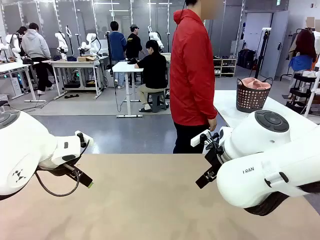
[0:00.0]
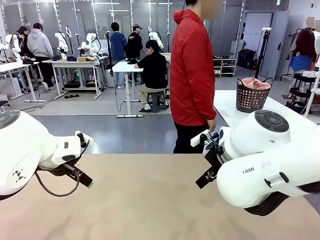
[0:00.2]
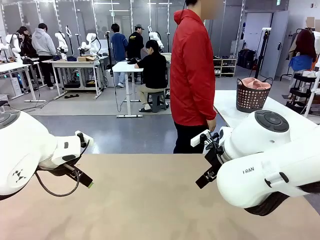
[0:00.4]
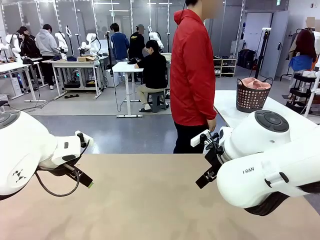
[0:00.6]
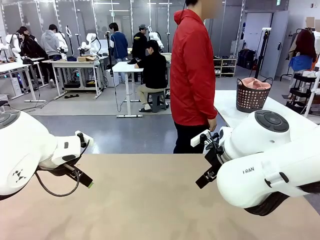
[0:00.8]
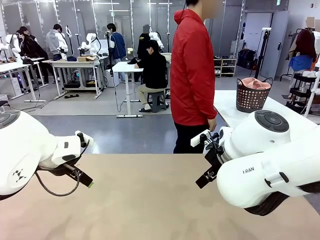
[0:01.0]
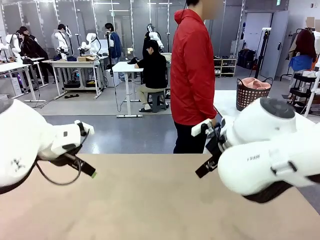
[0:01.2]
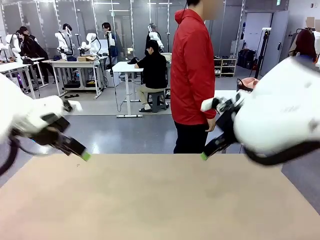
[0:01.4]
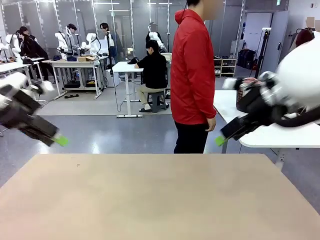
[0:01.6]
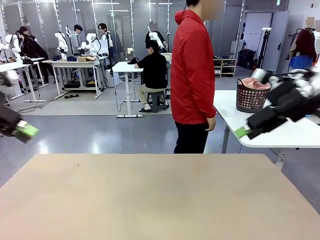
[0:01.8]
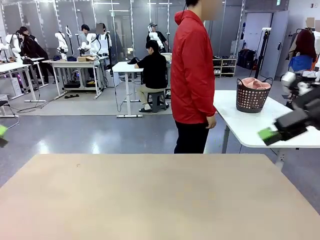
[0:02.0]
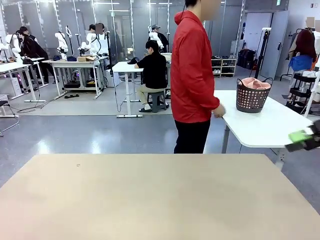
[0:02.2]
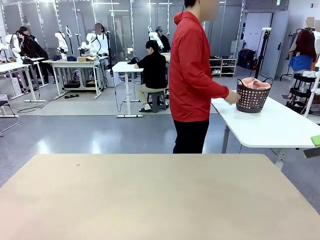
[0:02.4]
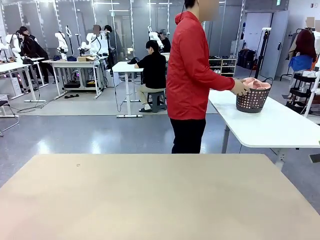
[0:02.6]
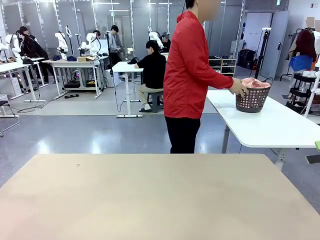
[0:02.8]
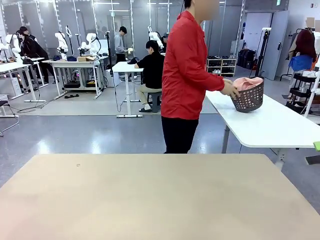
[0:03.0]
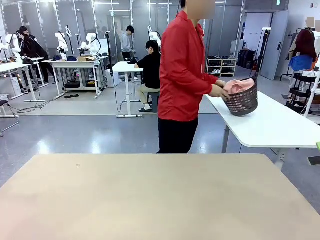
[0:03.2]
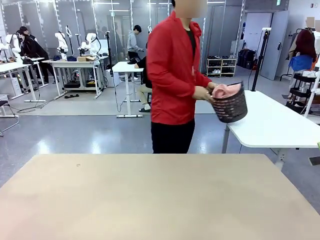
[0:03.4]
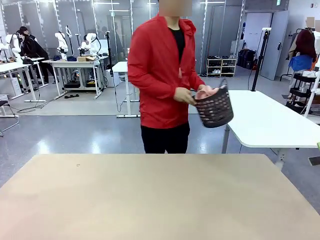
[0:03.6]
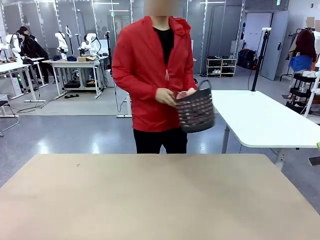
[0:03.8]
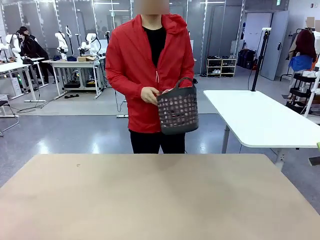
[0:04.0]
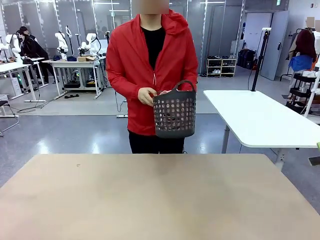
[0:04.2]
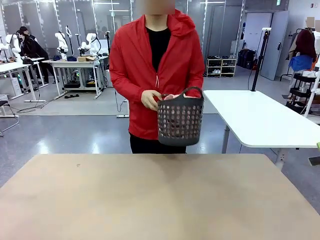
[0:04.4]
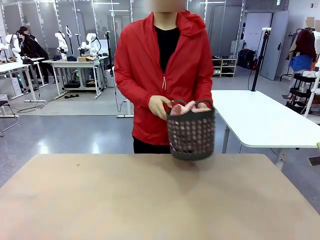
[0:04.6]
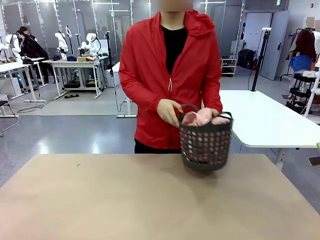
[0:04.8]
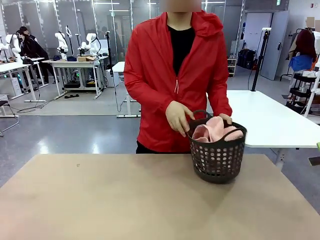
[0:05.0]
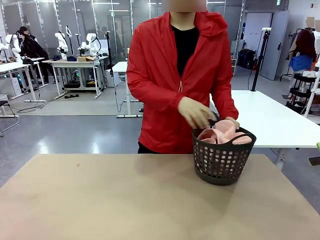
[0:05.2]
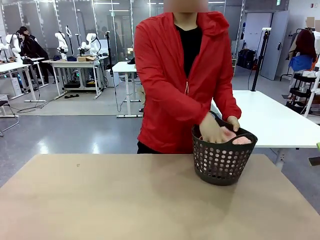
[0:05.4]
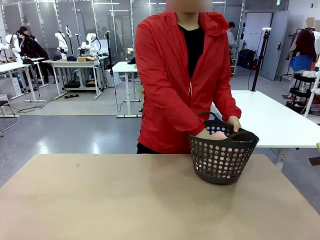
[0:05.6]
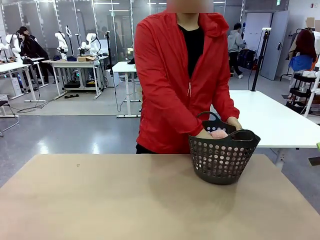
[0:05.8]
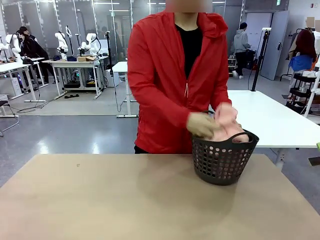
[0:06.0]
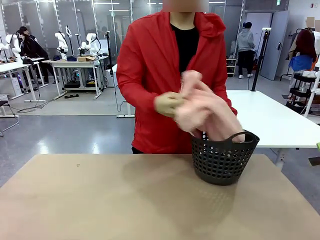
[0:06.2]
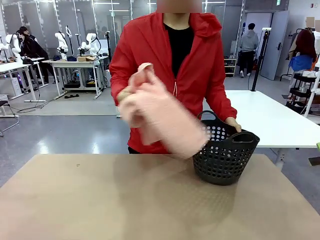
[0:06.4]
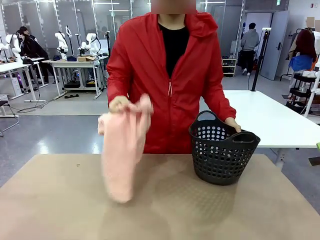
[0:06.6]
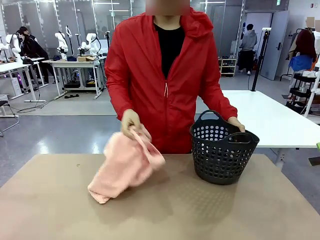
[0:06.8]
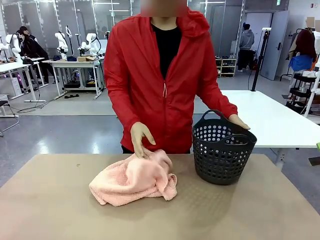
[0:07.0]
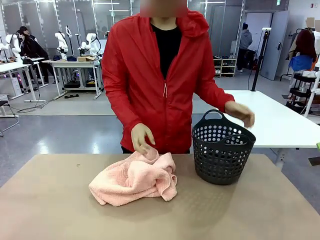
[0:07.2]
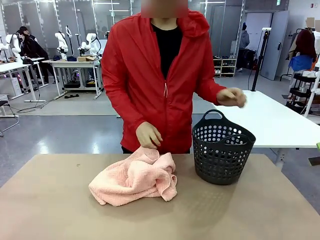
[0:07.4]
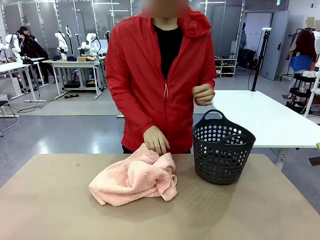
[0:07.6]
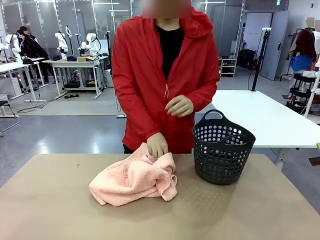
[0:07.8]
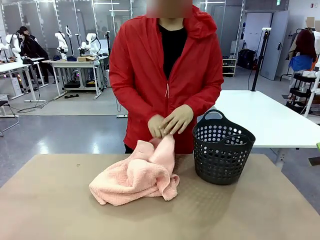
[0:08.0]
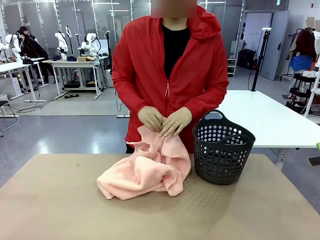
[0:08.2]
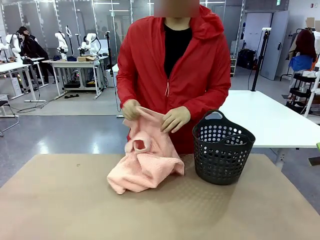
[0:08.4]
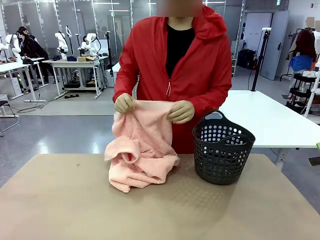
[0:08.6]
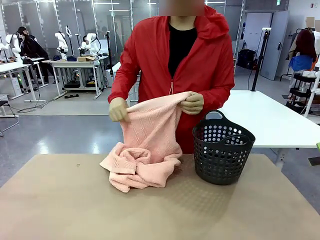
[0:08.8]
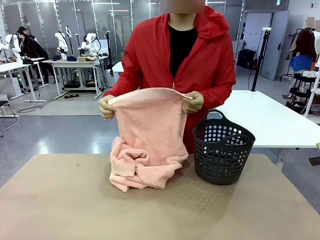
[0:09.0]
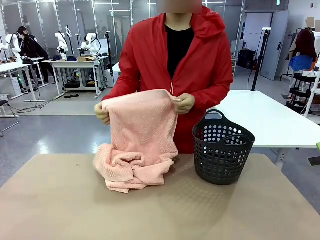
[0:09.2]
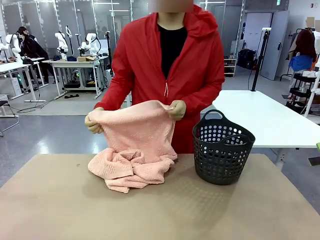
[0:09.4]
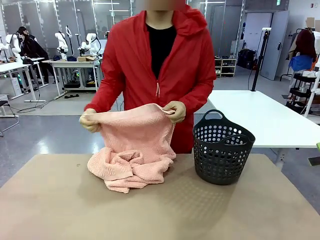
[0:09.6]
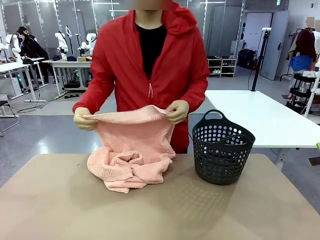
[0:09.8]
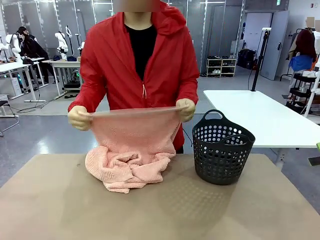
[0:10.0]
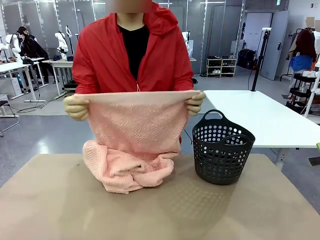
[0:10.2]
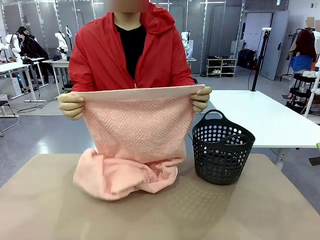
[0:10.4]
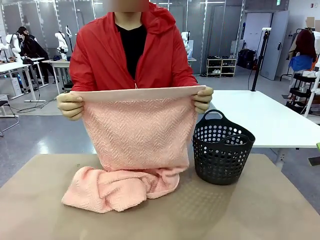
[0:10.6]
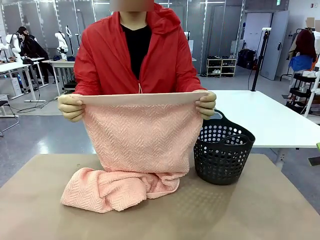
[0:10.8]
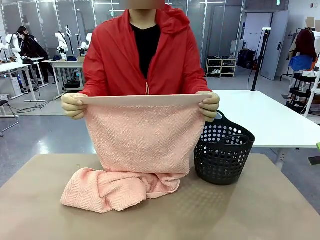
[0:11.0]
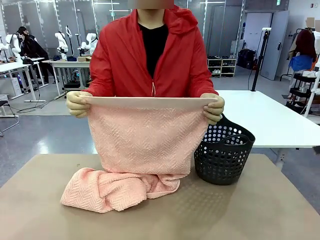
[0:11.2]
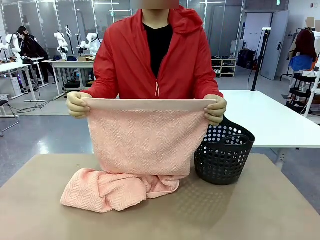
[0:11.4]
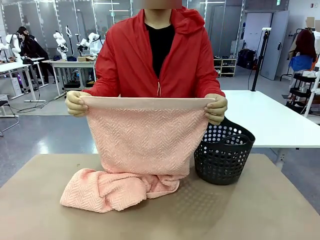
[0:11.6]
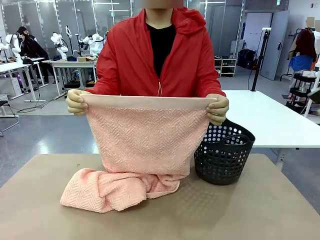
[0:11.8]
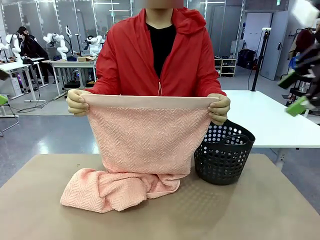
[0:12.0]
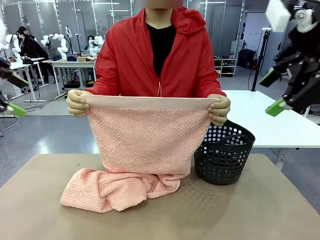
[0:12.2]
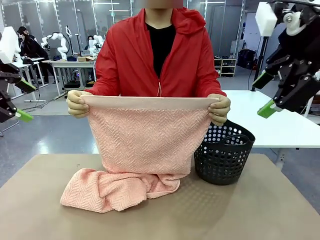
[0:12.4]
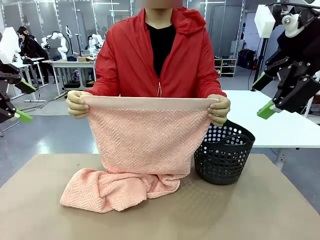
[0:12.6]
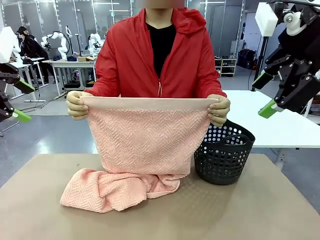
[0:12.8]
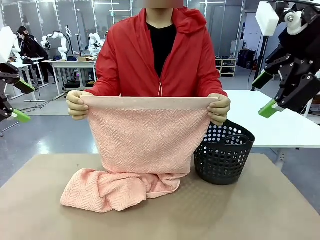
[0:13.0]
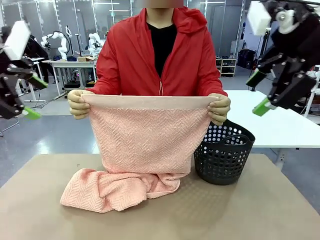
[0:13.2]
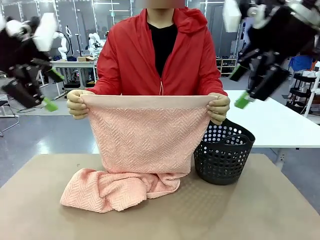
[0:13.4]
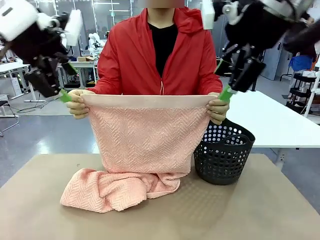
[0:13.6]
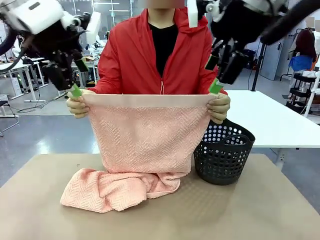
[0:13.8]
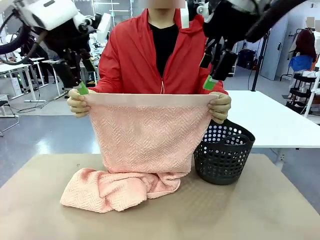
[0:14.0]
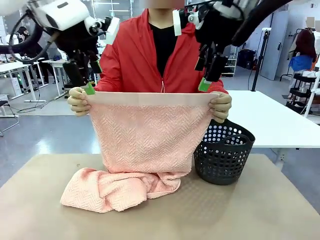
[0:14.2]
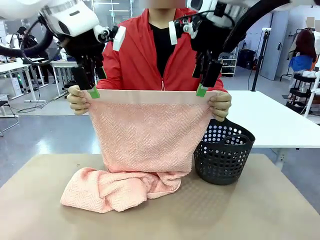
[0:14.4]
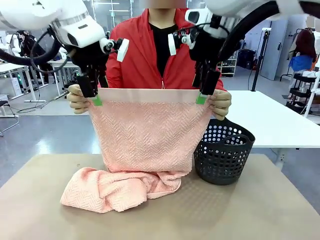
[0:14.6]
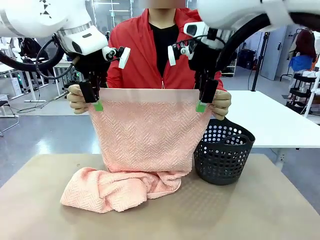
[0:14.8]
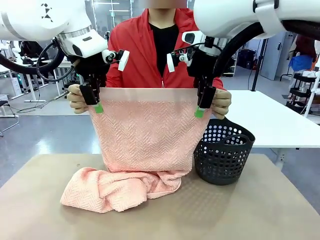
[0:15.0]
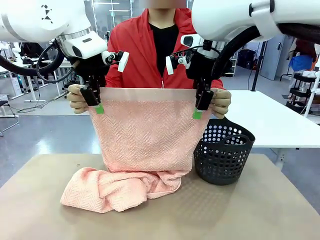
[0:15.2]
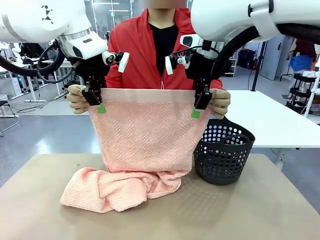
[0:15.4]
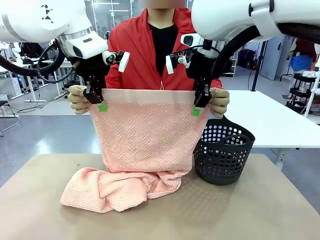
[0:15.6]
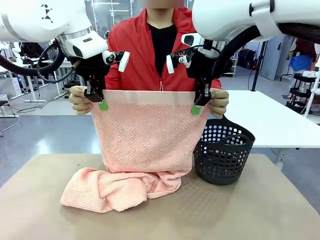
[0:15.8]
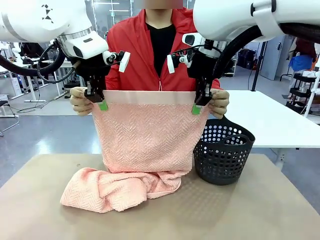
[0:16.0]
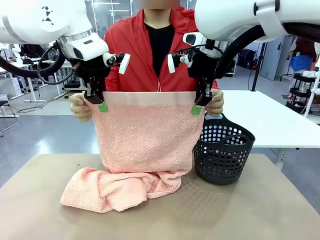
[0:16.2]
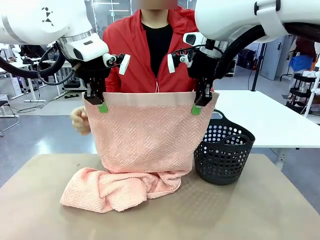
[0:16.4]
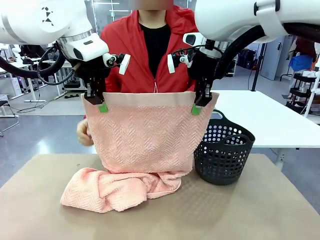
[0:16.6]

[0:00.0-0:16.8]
Task: Fold the towel.
Robot: Grab the top end of the 100 cm Hotel Towel extended by the human.
Person: Pick up the laundry basket, place it on the left side of the robot table, then take out a towel and hand it to the robot while holding both corners of one end.
